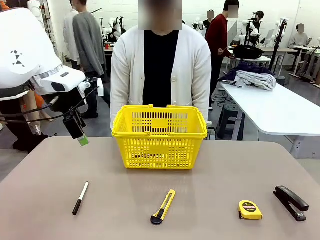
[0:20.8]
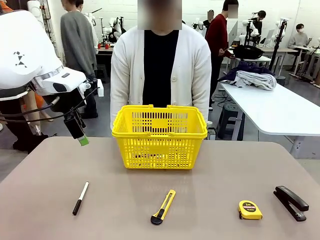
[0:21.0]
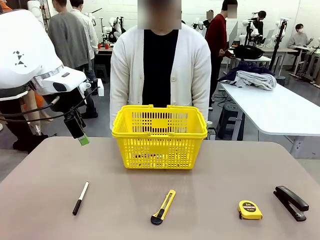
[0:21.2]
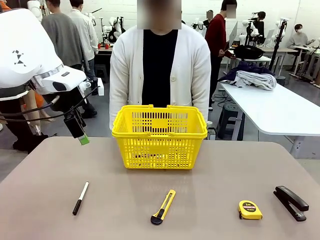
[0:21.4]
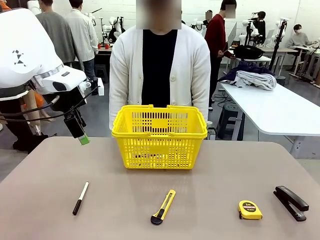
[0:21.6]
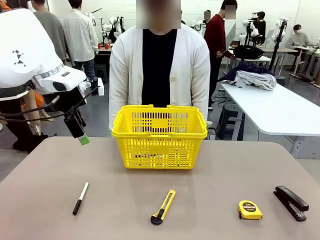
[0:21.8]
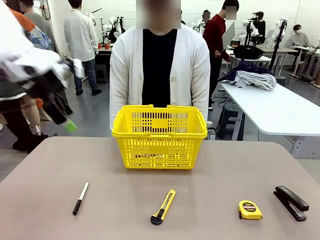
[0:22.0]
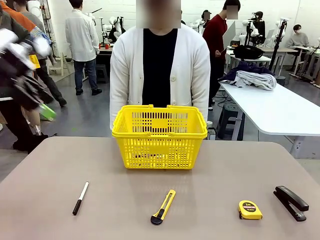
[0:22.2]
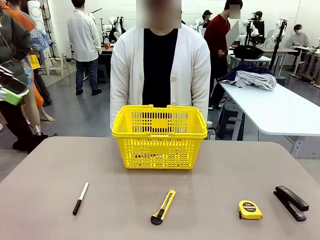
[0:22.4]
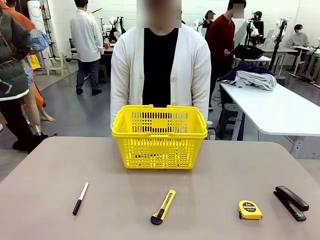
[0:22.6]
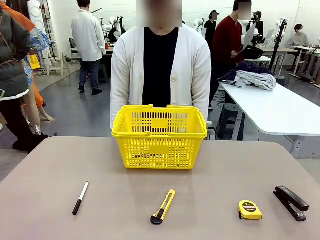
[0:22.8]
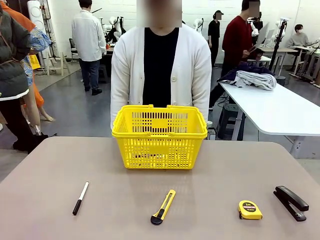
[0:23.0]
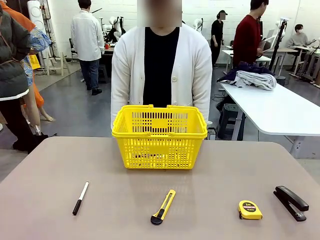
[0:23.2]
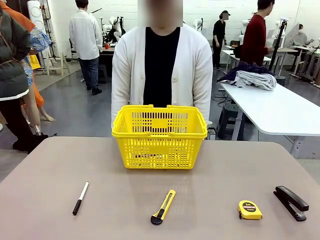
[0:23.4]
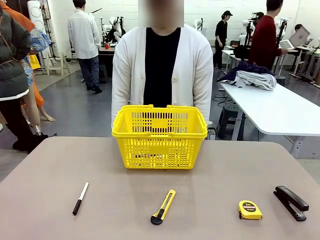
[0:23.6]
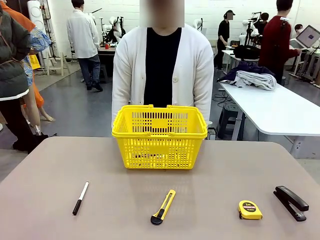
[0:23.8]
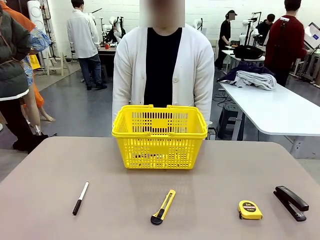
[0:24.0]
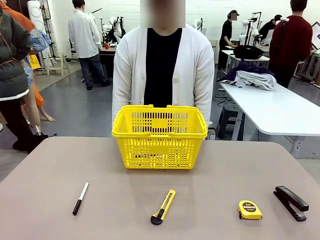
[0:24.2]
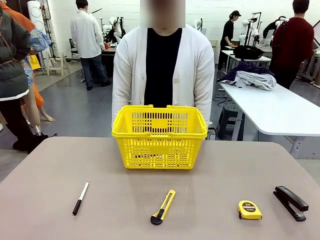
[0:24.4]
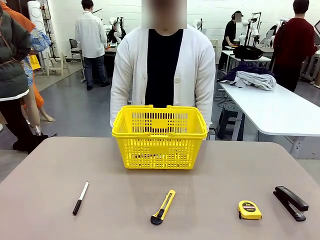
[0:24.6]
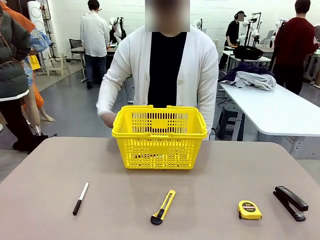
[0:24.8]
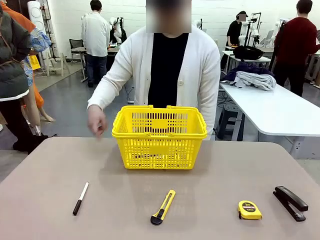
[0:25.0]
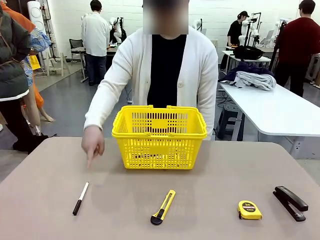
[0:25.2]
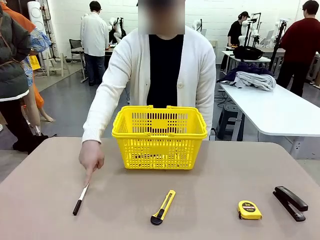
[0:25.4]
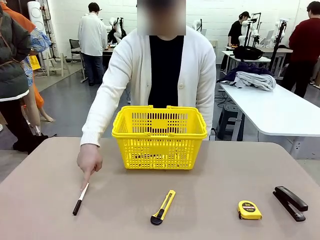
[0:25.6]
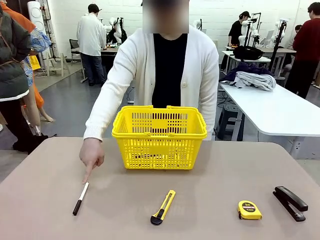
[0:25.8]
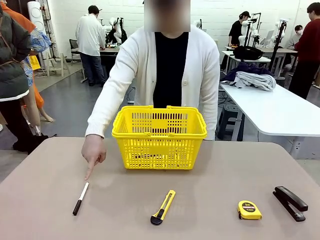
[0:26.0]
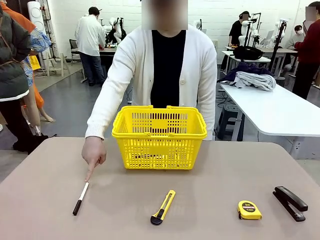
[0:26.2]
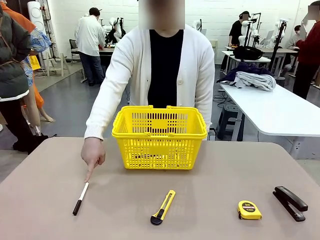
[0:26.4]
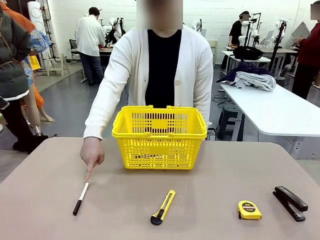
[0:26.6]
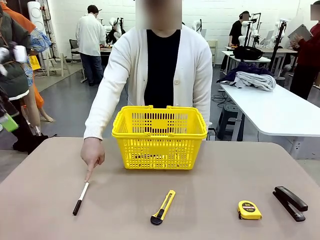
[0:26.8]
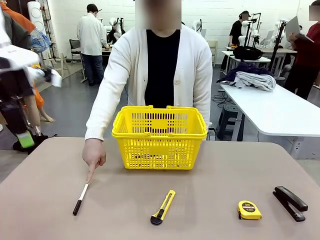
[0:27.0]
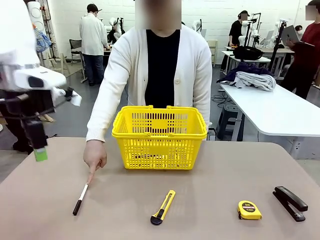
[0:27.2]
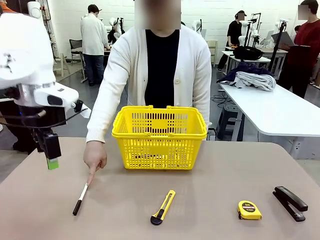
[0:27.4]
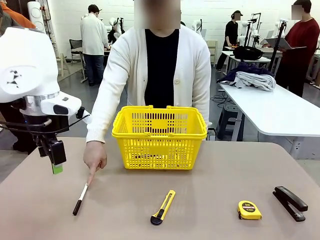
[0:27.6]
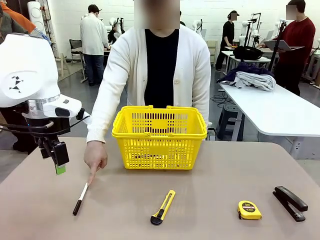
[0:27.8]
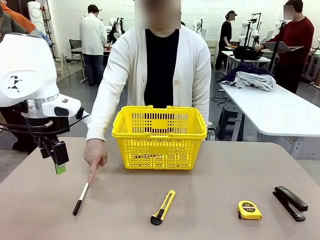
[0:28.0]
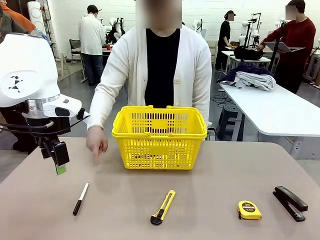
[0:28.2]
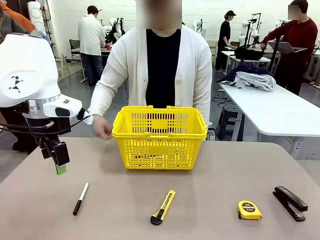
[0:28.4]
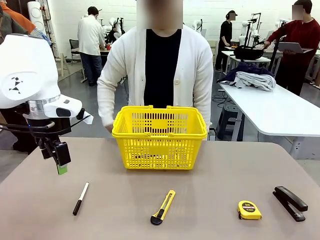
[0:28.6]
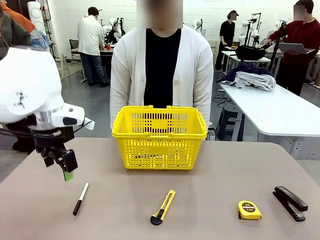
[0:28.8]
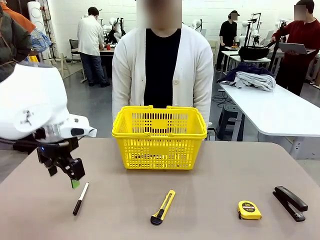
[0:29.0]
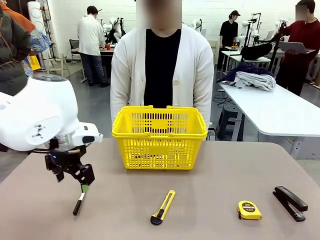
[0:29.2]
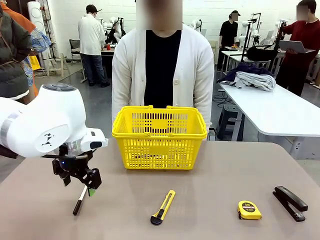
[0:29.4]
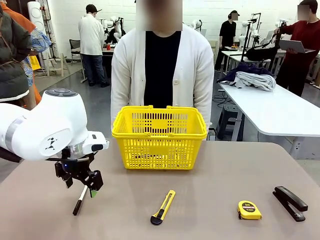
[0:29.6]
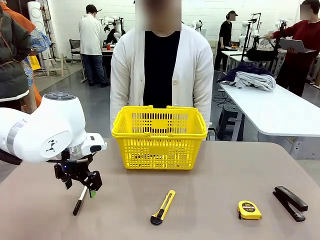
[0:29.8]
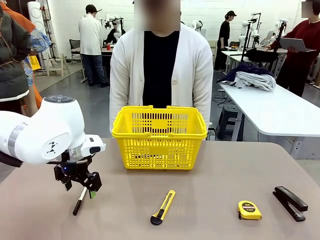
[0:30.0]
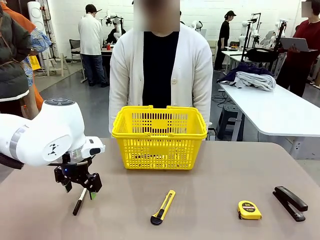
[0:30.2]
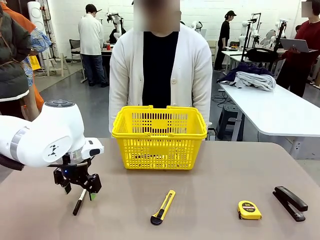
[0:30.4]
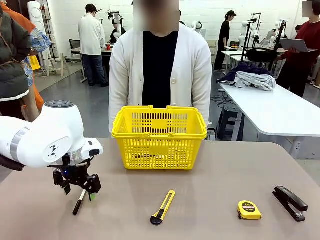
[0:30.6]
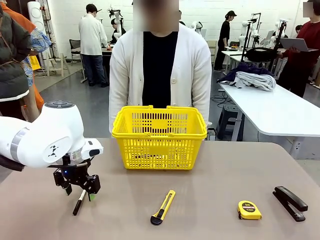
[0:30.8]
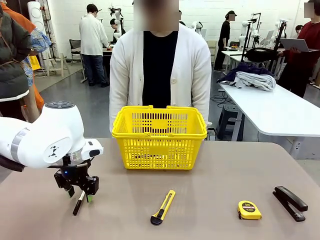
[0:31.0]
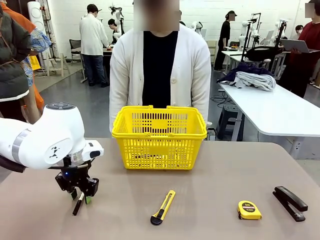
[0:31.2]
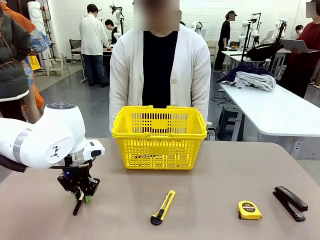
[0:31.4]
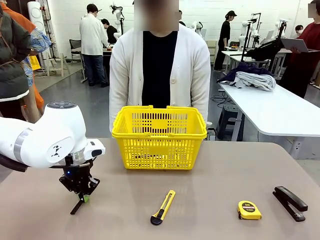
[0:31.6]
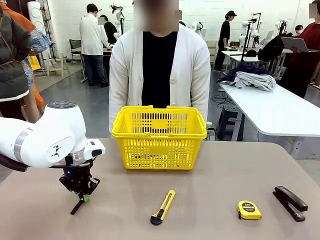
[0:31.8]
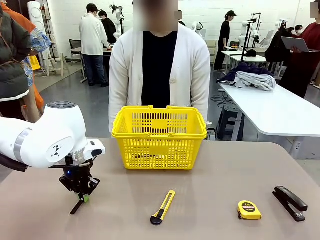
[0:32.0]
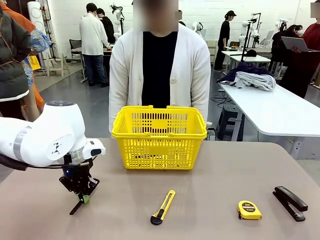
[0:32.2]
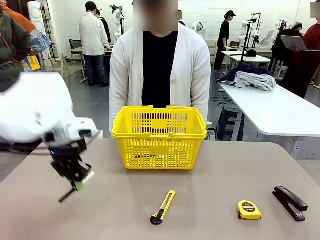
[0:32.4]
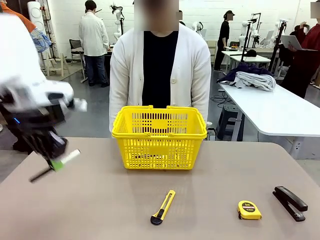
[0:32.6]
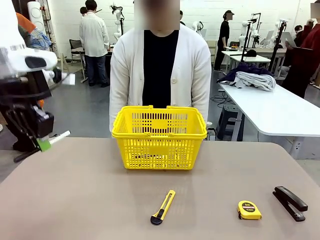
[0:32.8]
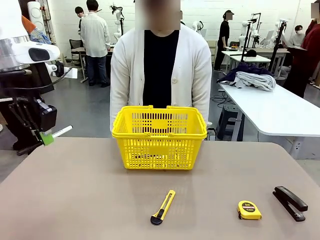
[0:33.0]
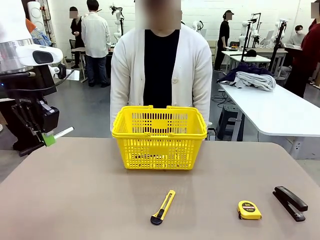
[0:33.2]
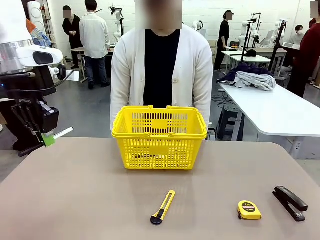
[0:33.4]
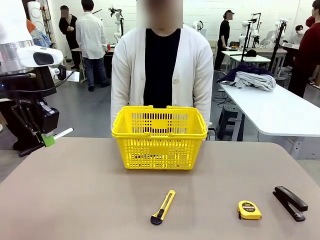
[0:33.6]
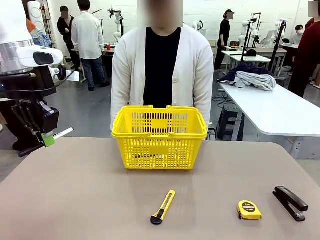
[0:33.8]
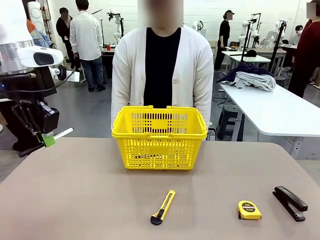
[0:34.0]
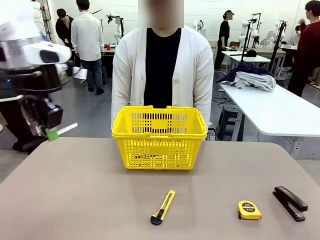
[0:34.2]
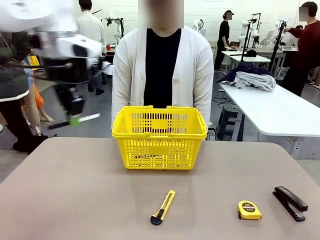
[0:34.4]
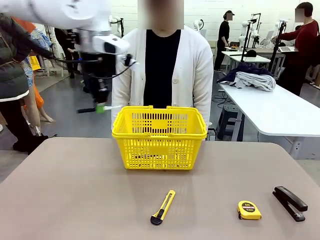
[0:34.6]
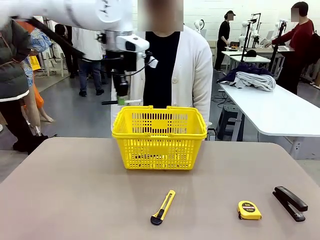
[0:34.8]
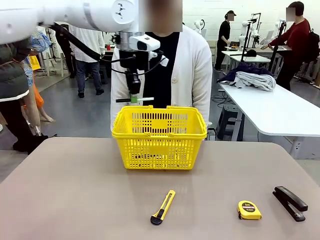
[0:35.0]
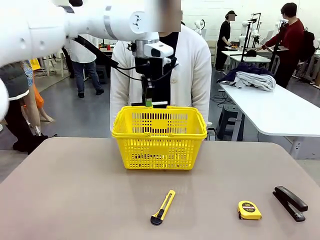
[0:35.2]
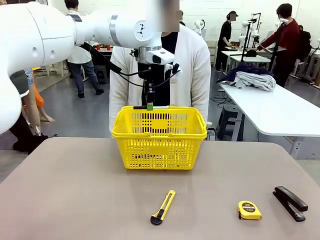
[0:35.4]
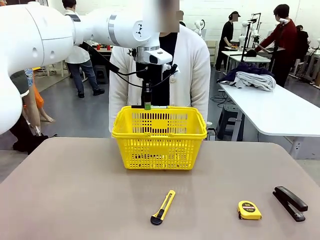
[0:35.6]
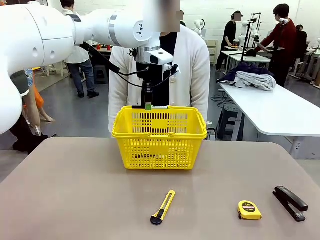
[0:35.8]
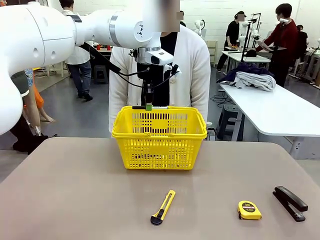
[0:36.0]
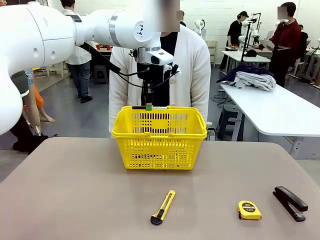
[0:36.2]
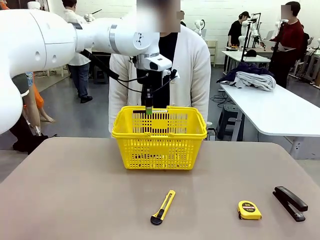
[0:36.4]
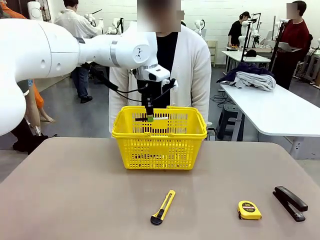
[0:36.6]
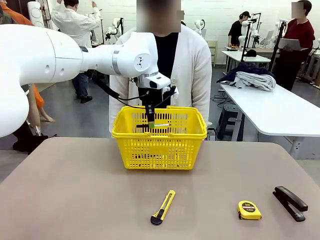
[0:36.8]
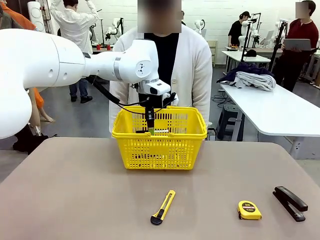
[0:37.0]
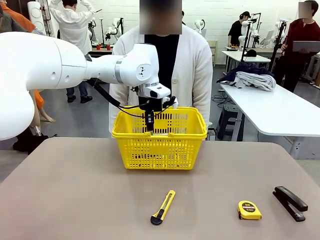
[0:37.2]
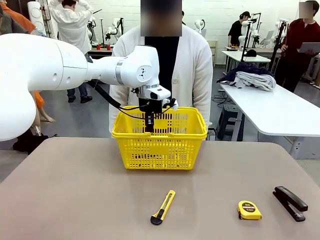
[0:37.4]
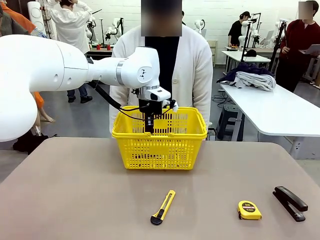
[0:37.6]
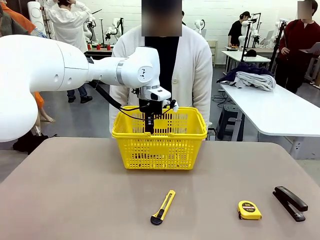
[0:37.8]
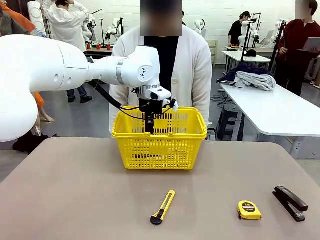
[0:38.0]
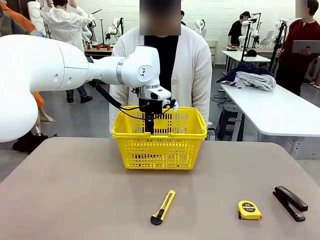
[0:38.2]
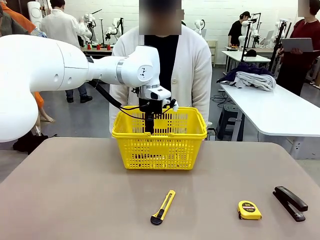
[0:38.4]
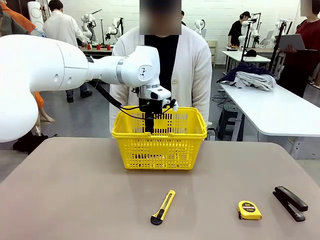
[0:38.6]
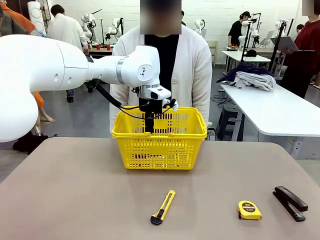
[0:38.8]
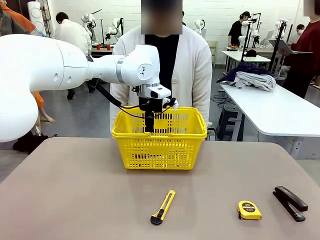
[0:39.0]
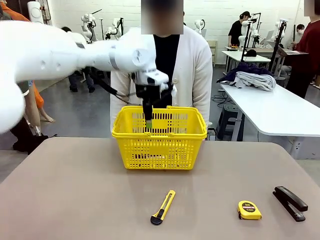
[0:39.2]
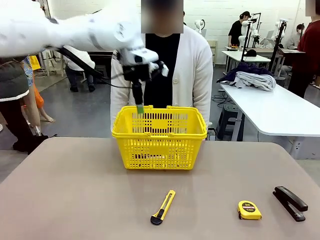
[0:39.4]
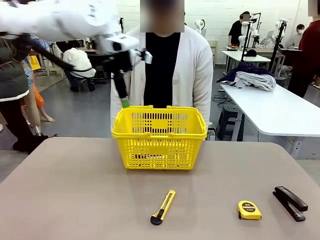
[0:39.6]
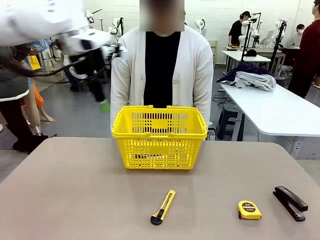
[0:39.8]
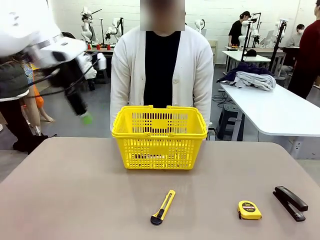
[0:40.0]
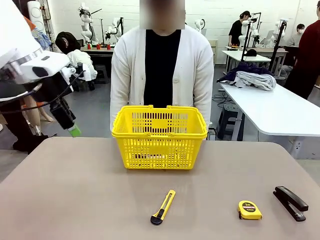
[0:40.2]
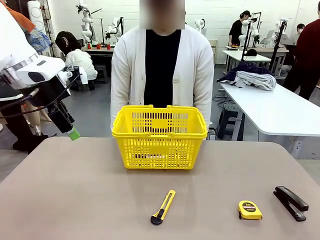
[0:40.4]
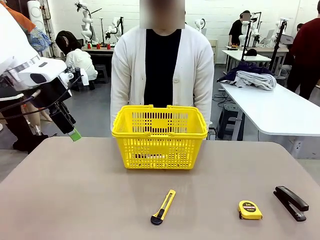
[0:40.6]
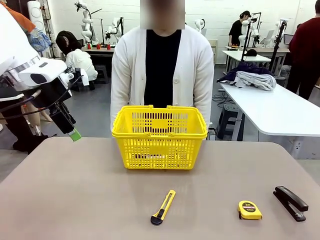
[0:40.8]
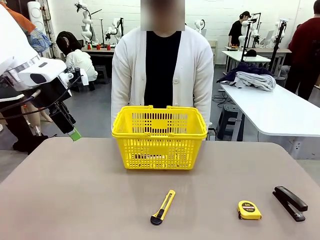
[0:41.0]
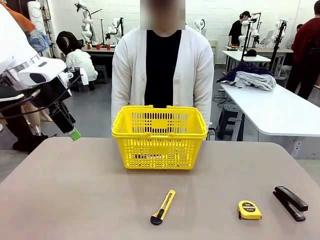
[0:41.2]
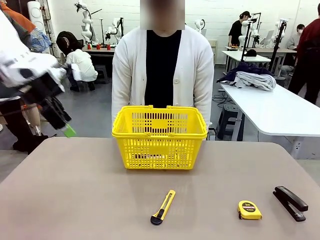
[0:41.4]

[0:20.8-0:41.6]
Task: Place the items the person wants into the basket.
Robot: Pick up the item the person points to and place it in the Market Basket.
